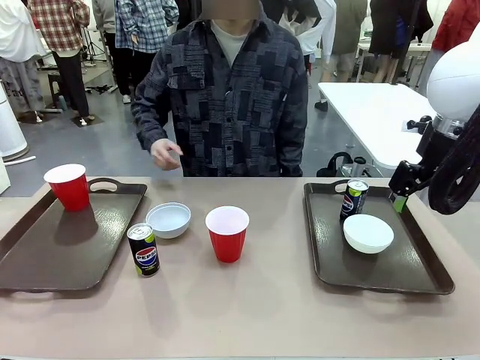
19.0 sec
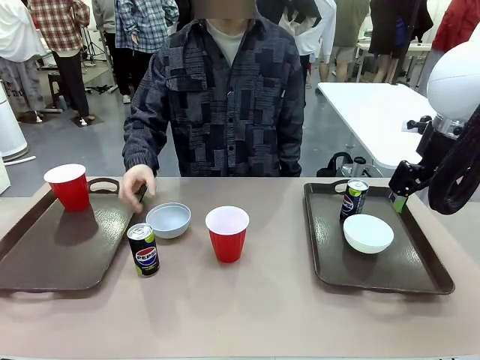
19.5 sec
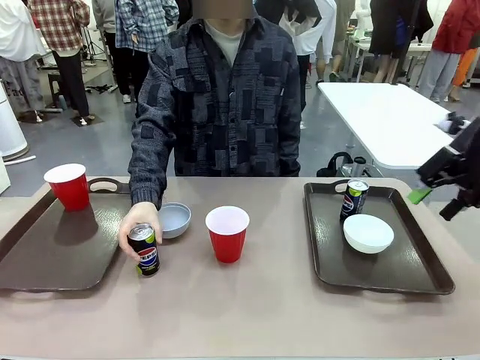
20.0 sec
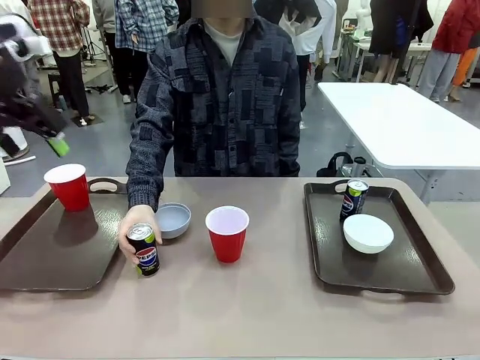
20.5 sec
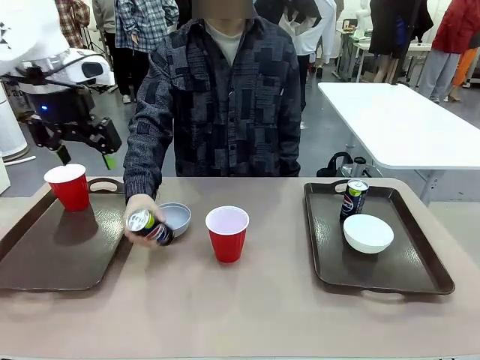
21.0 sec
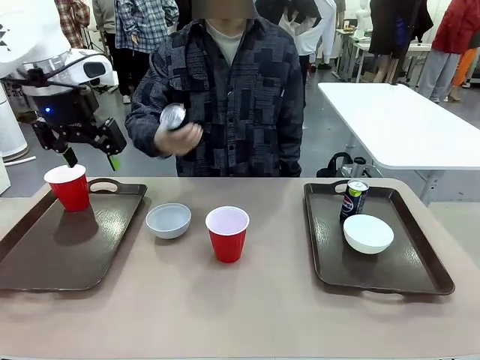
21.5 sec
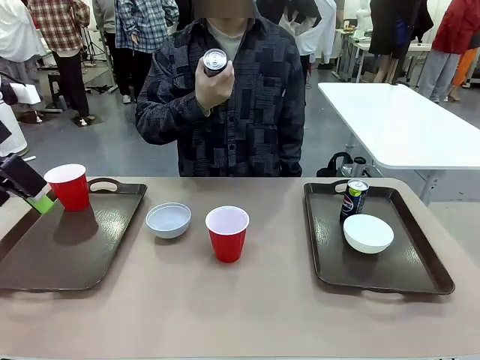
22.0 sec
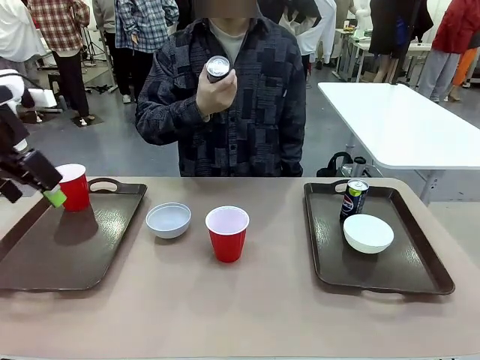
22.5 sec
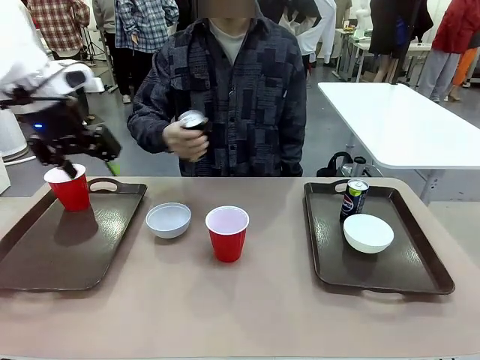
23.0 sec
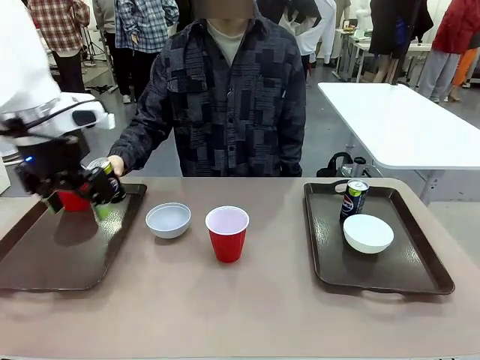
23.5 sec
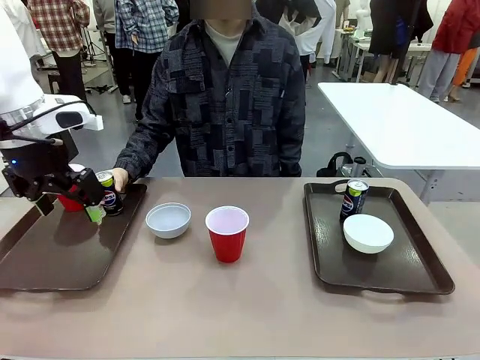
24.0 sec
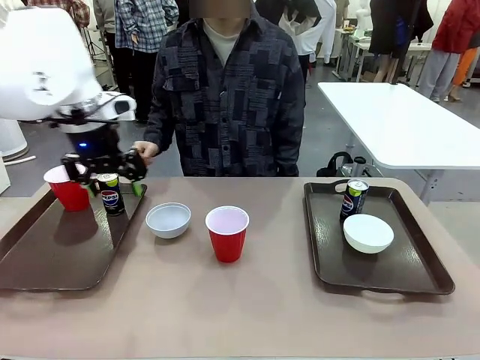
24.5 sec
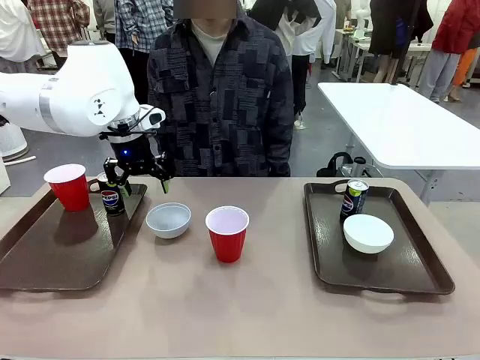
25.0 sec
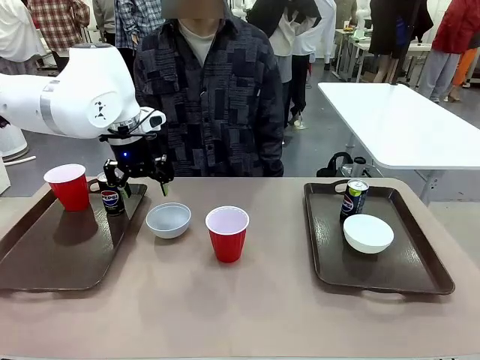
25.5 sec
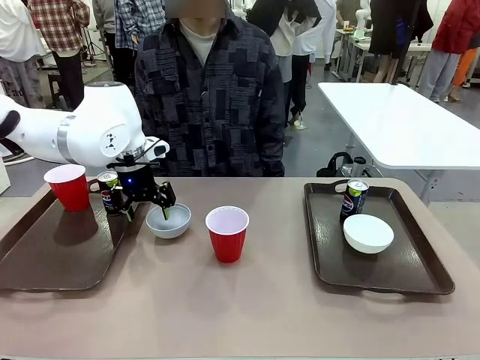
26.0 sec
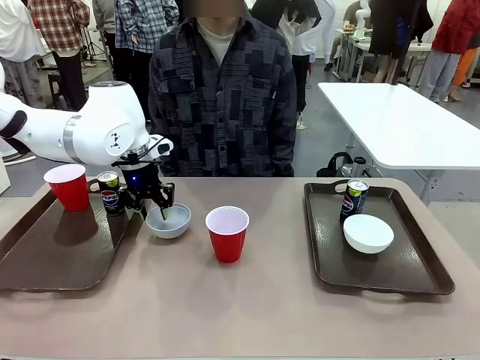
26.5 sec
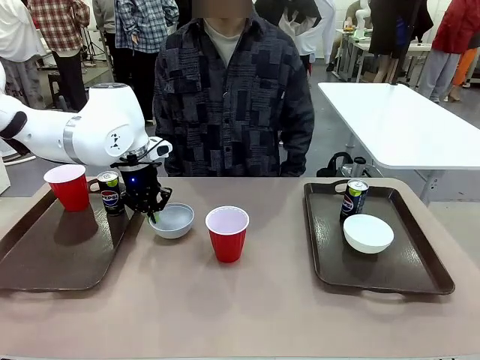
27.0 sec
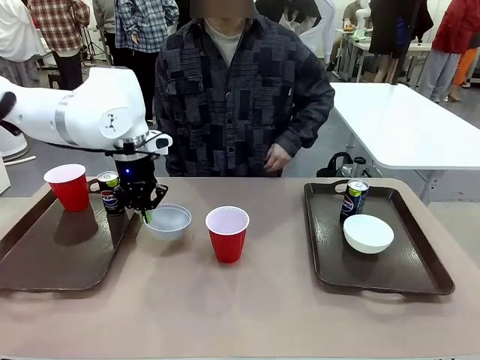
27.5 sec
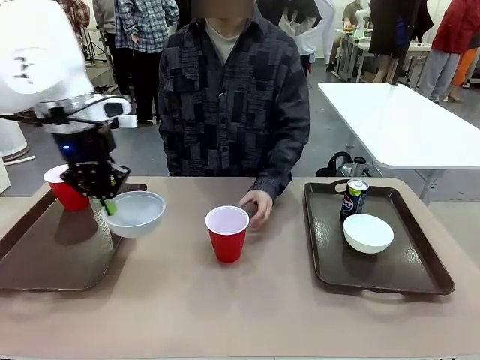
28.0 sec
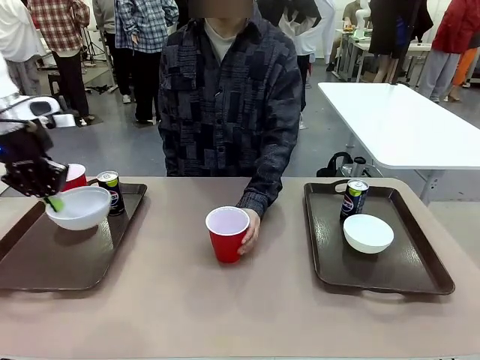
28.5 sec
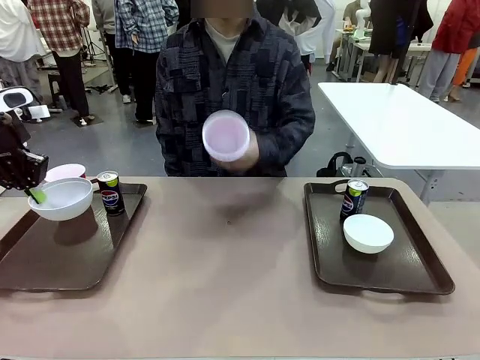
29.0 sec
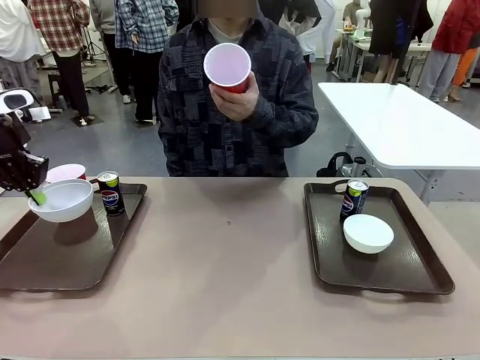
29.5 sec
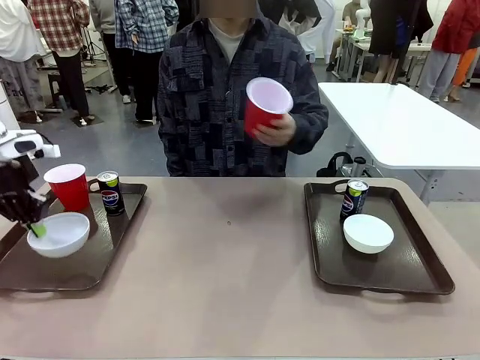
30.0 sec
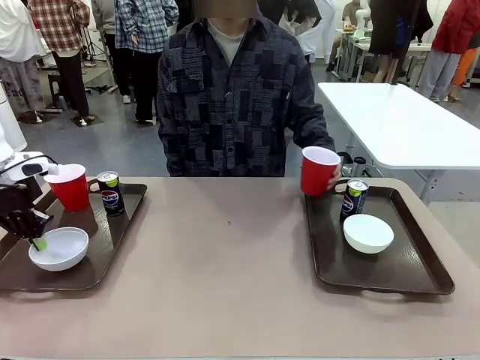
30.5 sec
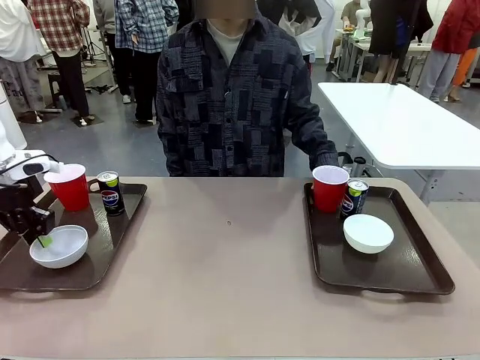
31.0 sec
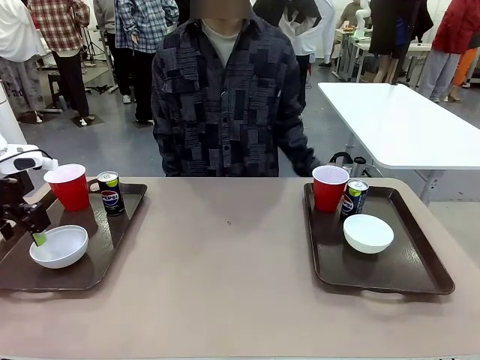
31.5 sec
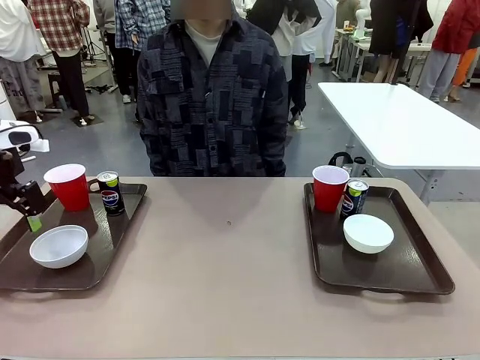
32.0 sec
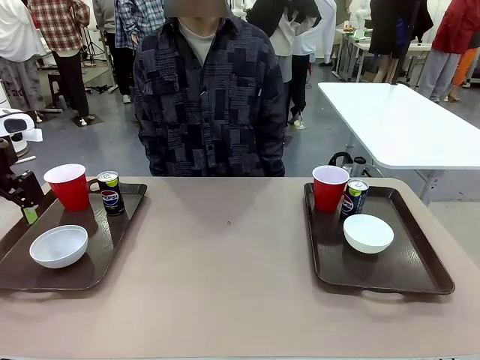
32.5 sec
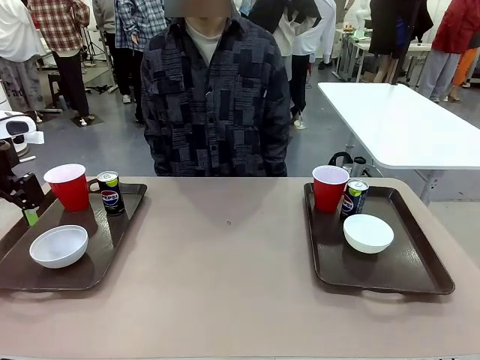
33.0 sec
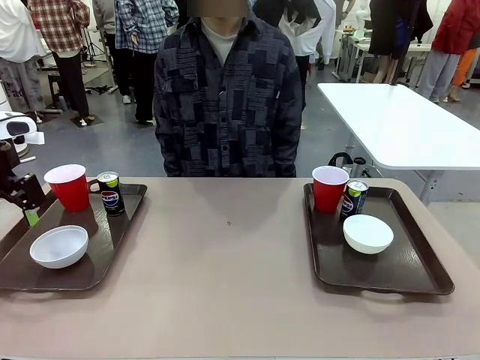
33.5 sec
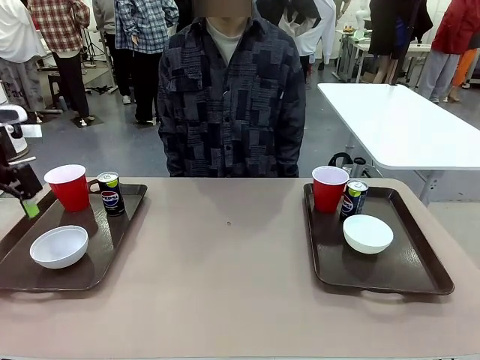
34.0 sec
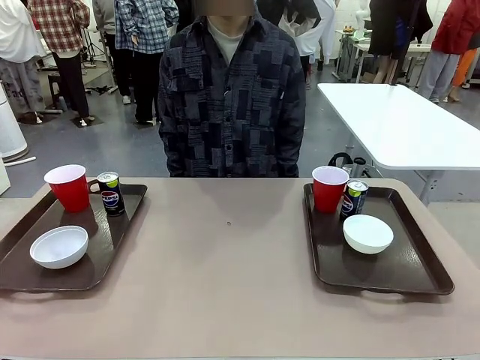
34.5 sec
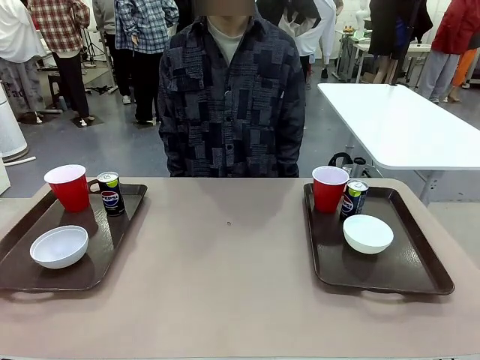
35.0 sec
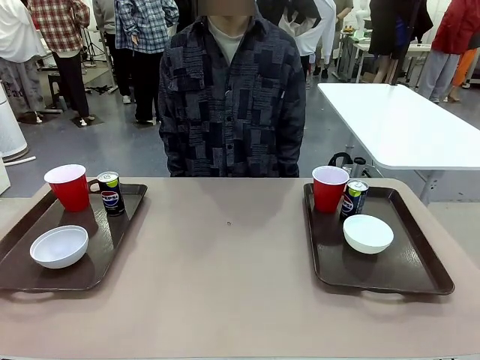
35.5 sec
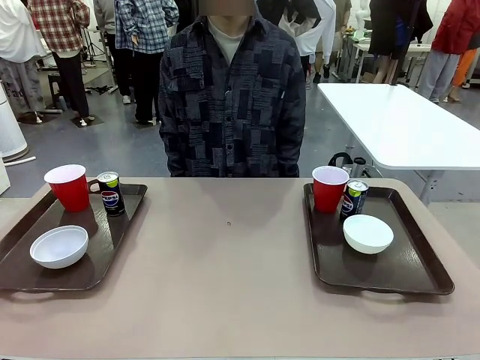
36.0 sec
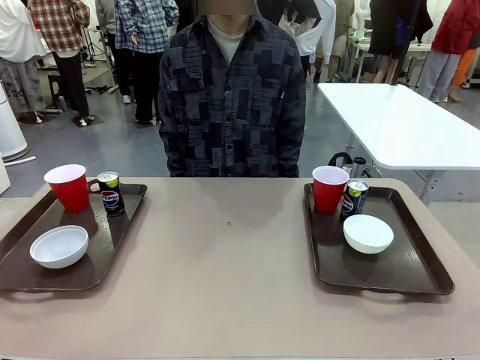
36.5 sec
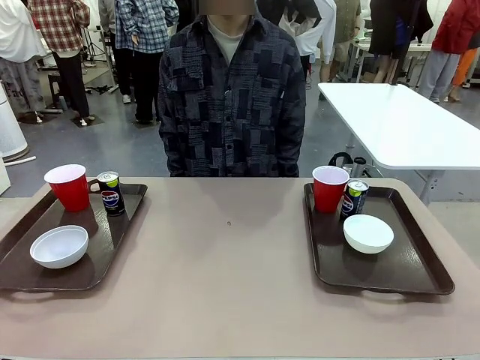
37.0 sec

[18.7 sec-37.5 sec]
Task: Prepare tableware on both trays.
Robot: Pick up a Picnic Bowl from the table and place it on a Handle tray.
Person: Pick up a can or cup and place it on the tray without a can or cup.

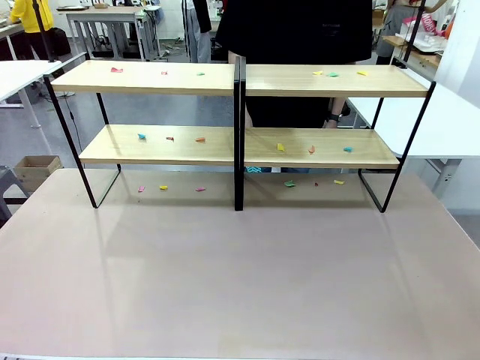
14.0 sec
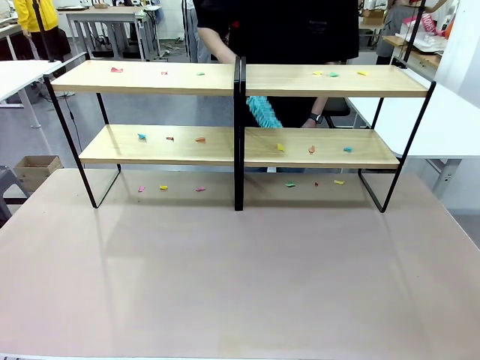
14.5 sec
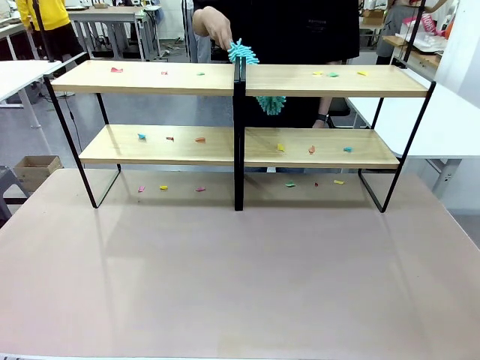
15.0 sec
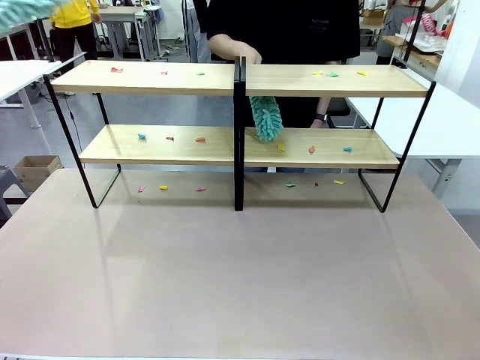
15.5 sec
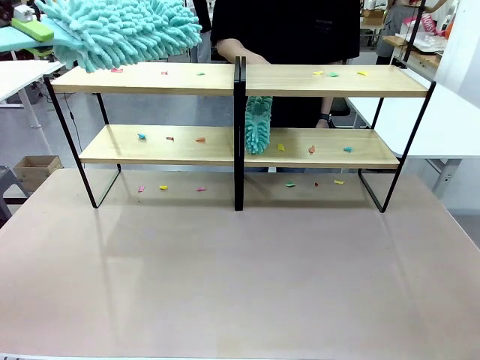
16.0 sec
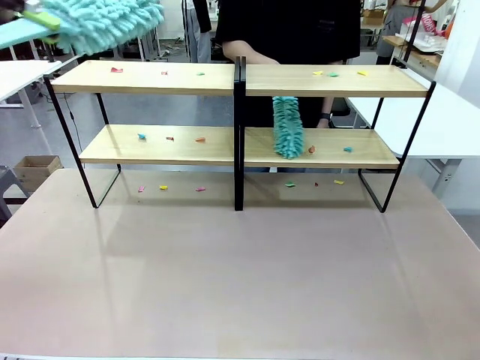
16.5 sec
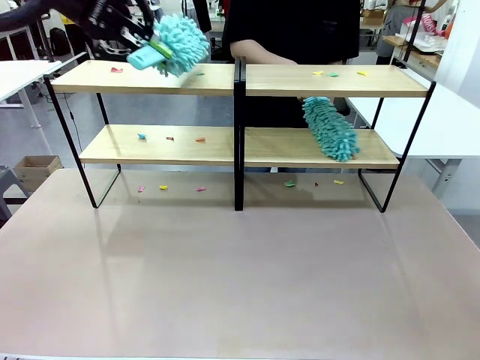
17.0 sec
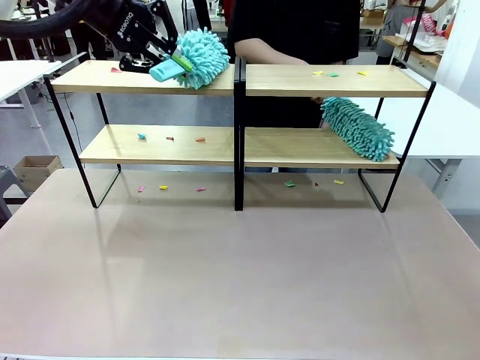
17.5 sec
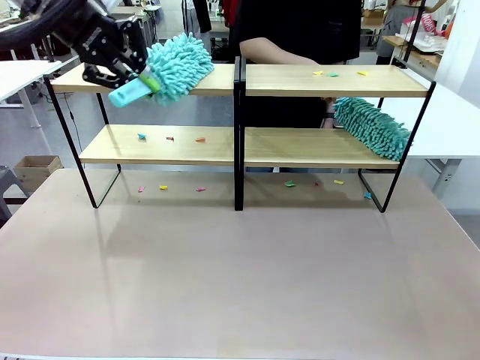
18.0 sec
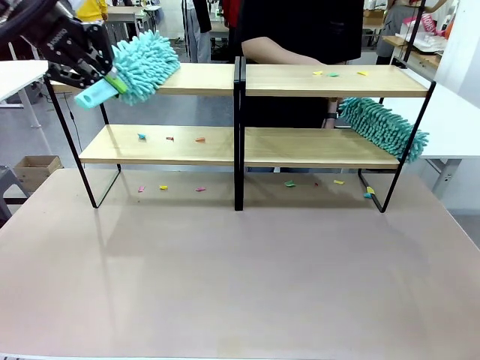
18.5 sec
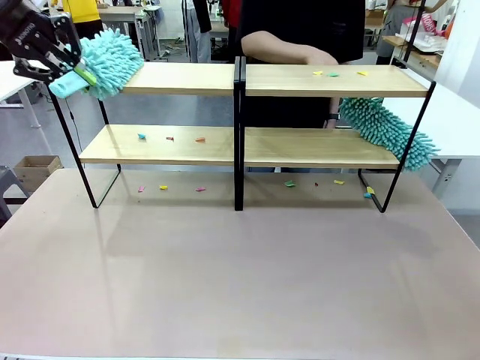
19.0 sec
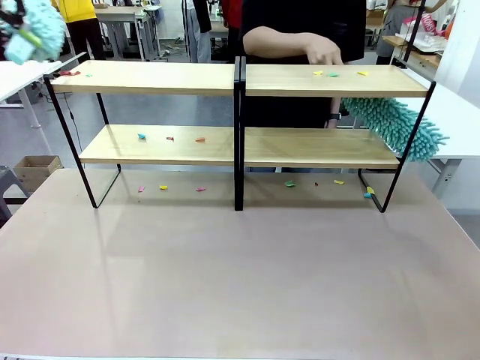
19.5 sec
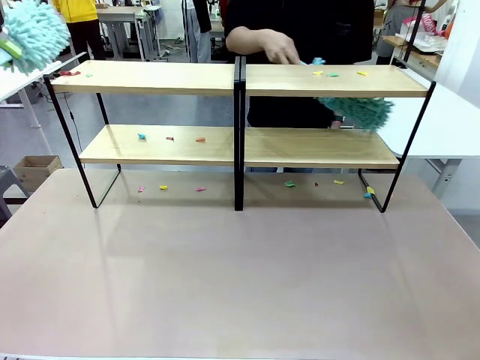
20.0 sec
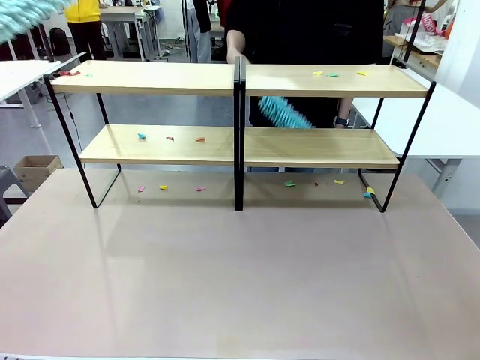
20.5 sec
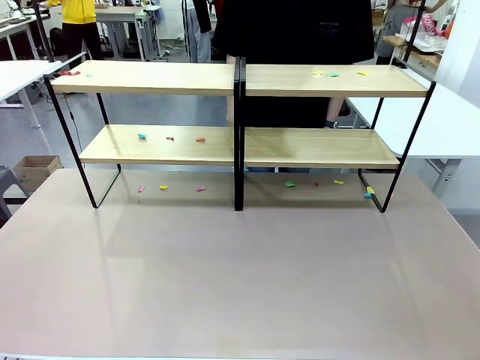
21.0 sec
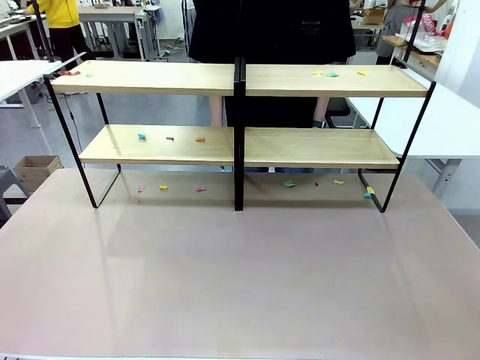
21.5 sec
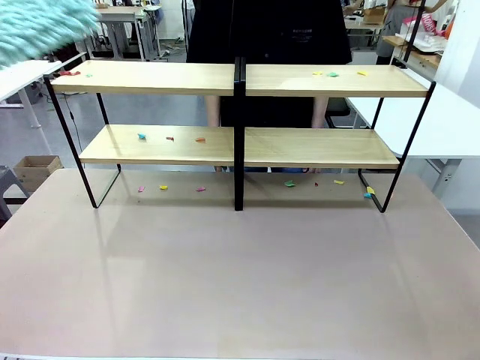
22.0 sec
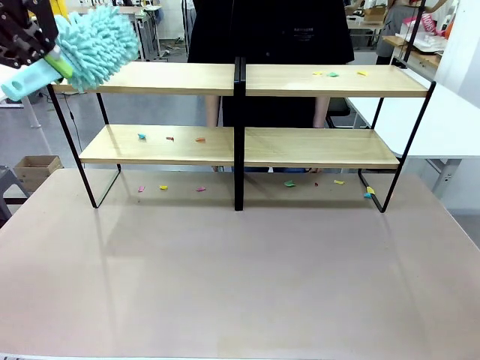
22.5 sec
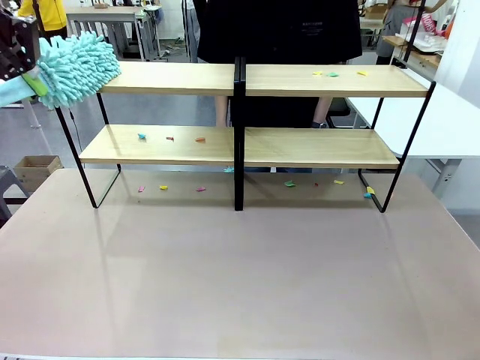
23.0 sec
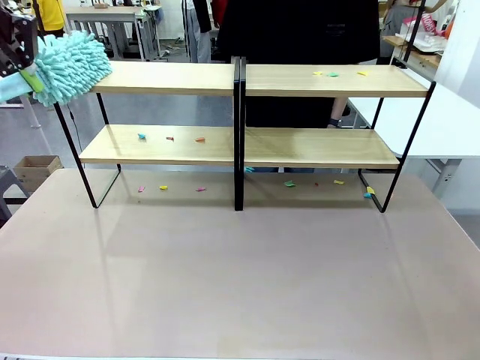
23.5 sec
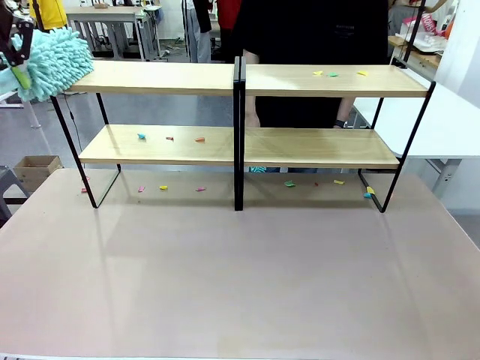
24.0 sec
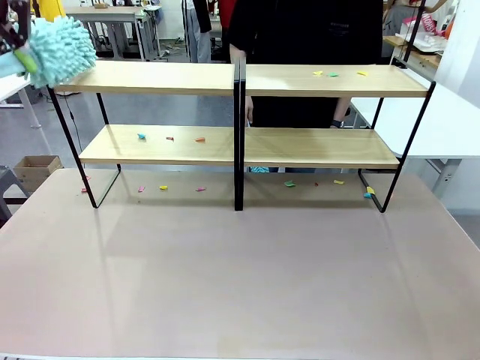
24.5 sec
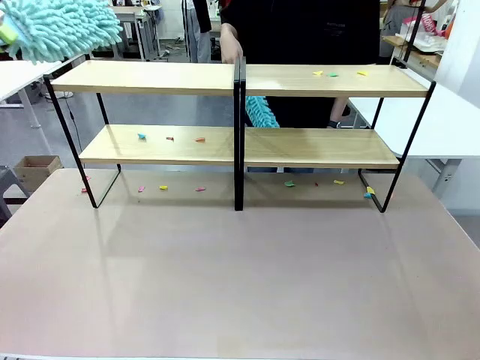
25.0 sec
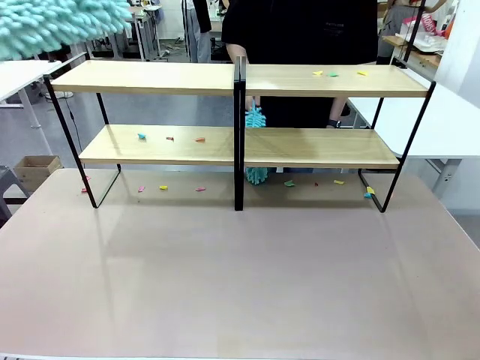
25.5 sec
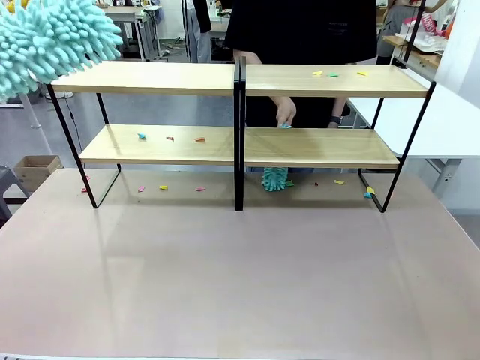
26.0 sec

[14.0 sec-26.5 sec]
Task: Clean the shelves.
Robot: Clean a randomly selected level of the Shelf with the Duster.
